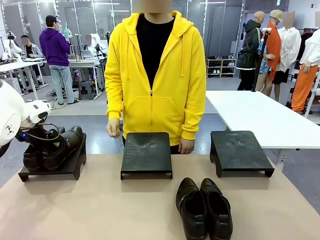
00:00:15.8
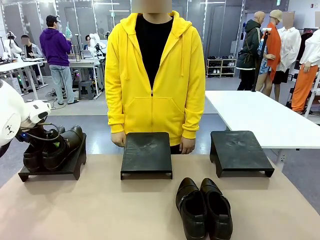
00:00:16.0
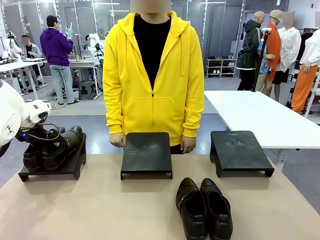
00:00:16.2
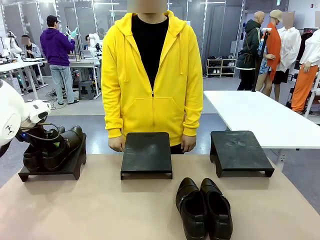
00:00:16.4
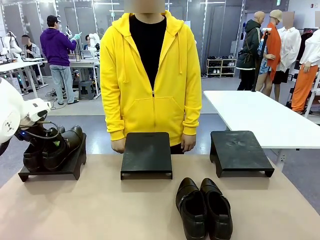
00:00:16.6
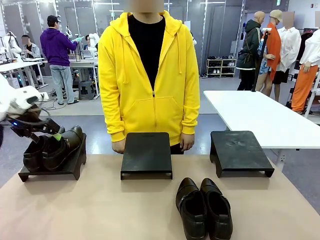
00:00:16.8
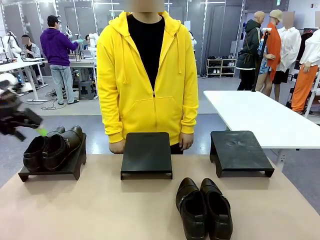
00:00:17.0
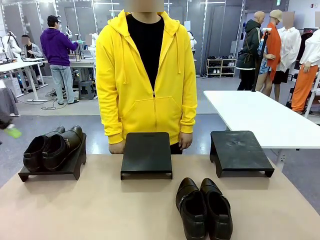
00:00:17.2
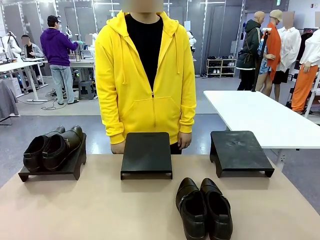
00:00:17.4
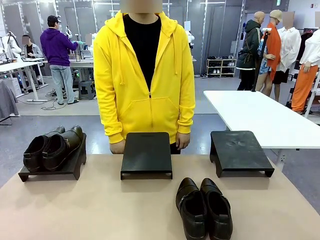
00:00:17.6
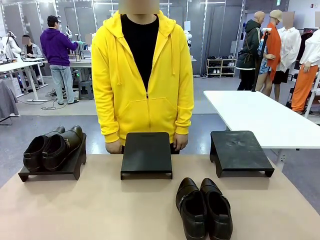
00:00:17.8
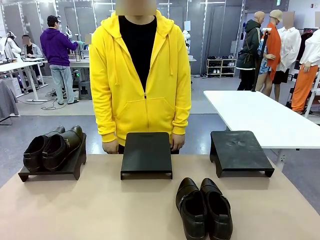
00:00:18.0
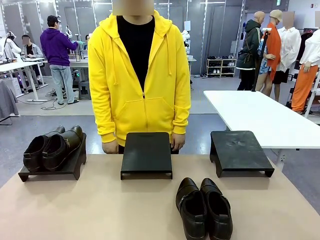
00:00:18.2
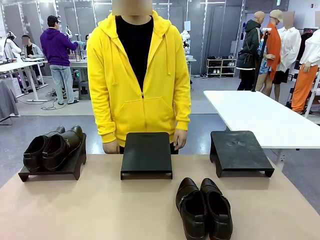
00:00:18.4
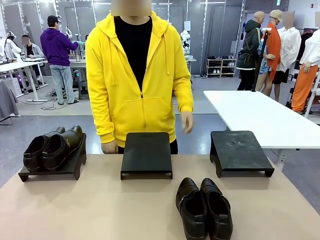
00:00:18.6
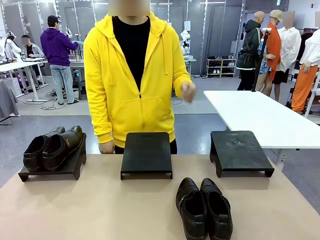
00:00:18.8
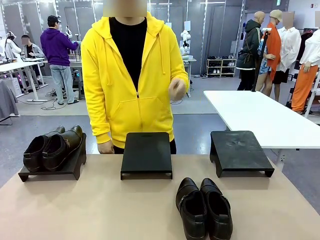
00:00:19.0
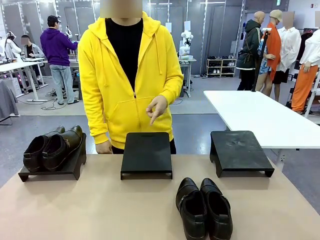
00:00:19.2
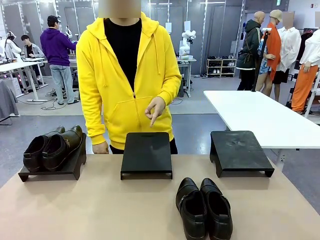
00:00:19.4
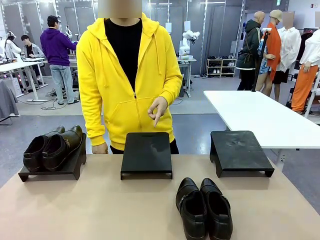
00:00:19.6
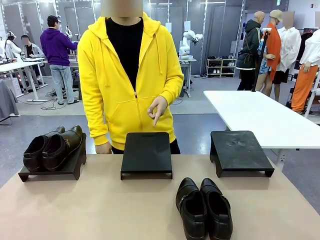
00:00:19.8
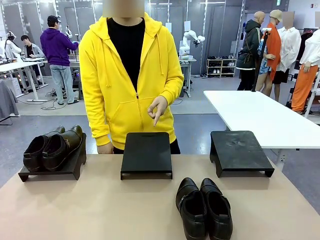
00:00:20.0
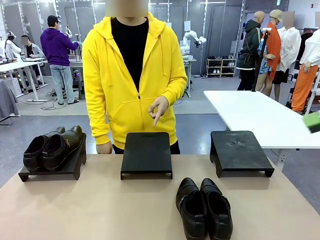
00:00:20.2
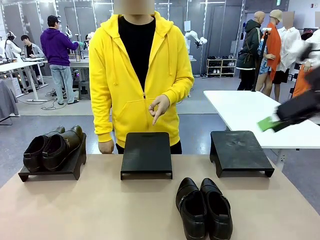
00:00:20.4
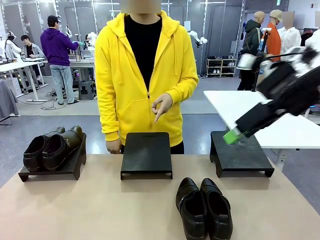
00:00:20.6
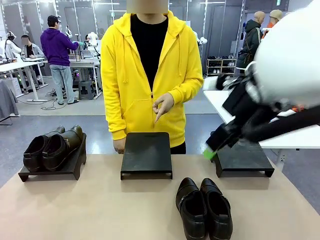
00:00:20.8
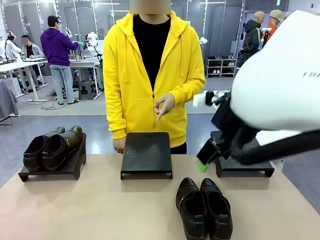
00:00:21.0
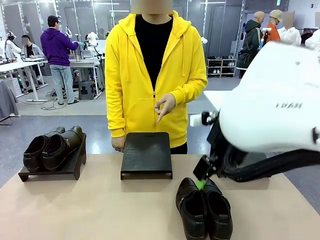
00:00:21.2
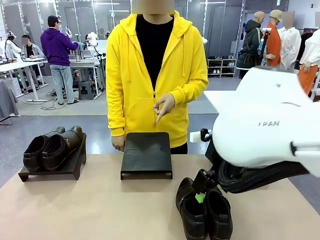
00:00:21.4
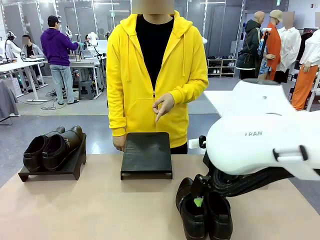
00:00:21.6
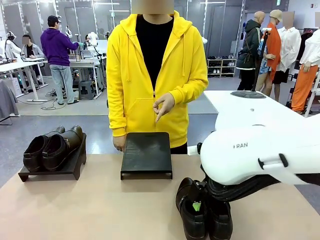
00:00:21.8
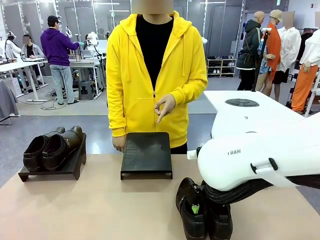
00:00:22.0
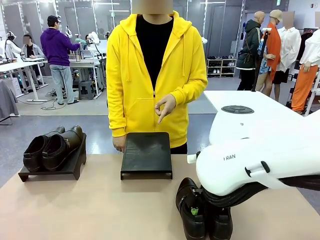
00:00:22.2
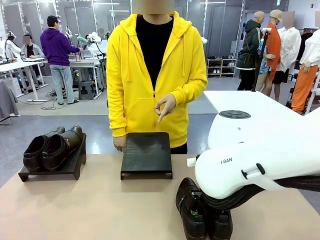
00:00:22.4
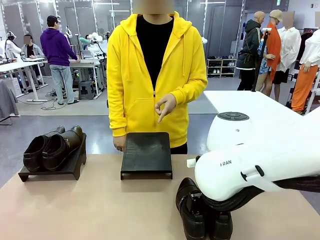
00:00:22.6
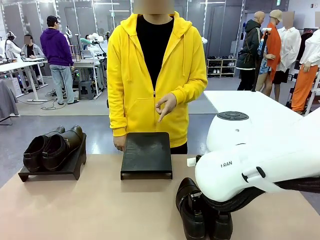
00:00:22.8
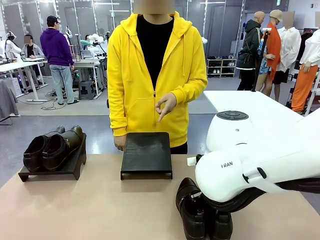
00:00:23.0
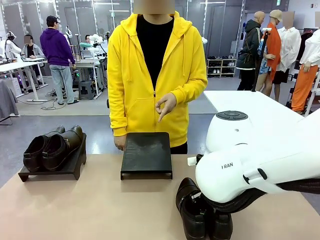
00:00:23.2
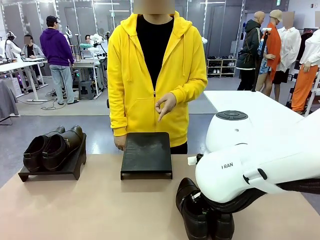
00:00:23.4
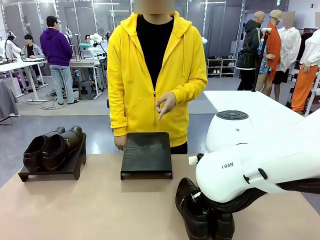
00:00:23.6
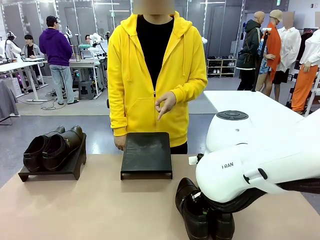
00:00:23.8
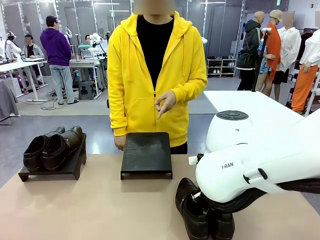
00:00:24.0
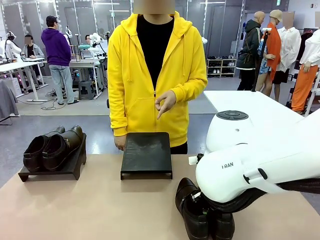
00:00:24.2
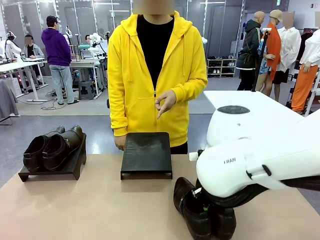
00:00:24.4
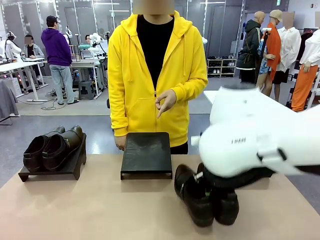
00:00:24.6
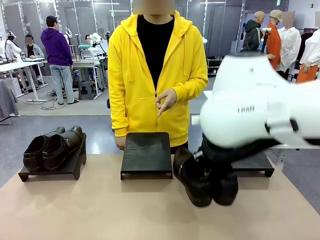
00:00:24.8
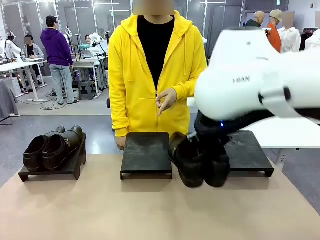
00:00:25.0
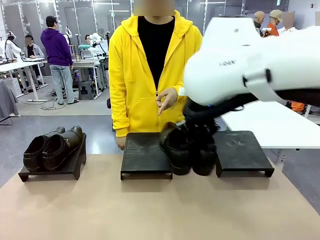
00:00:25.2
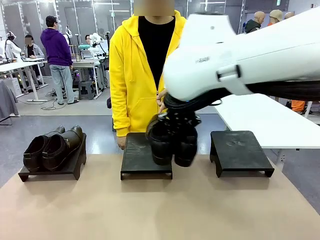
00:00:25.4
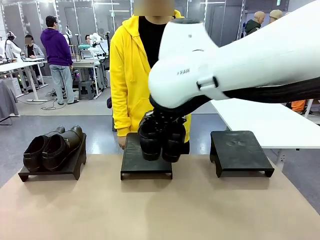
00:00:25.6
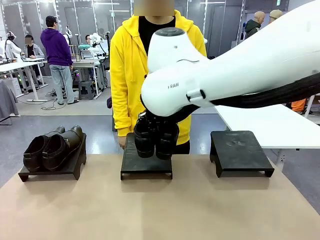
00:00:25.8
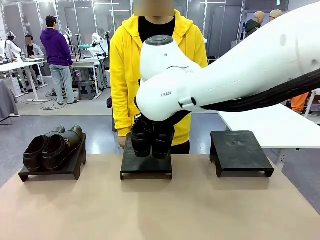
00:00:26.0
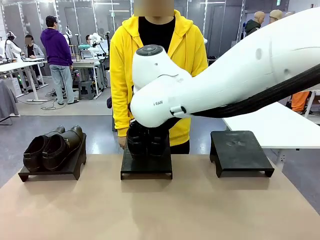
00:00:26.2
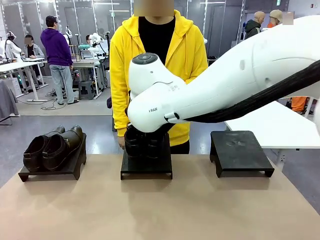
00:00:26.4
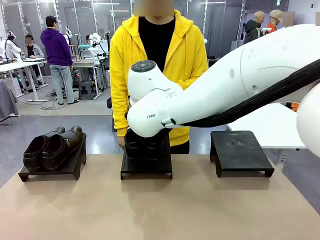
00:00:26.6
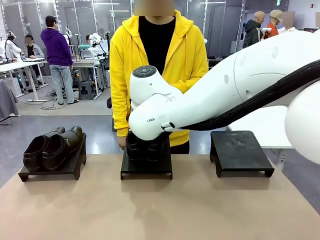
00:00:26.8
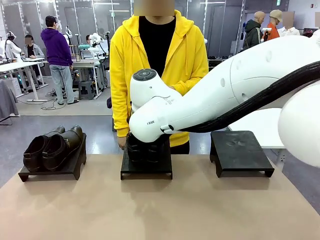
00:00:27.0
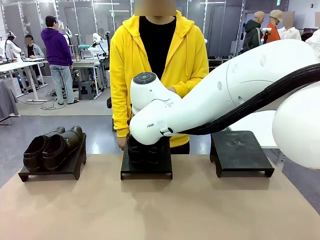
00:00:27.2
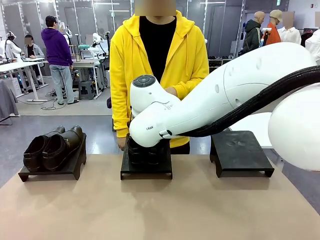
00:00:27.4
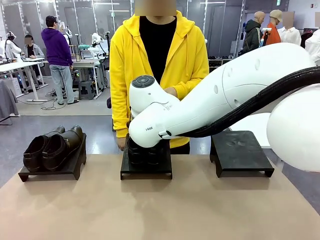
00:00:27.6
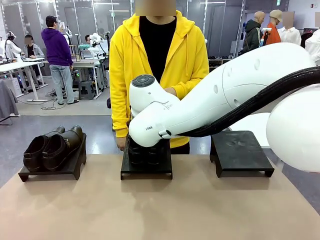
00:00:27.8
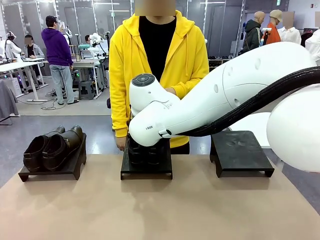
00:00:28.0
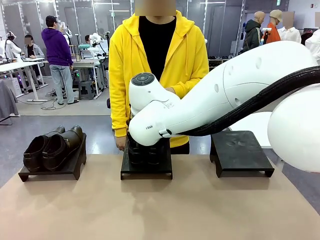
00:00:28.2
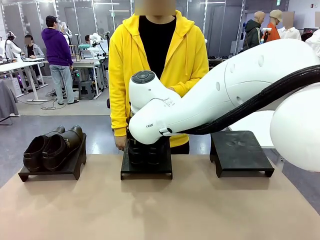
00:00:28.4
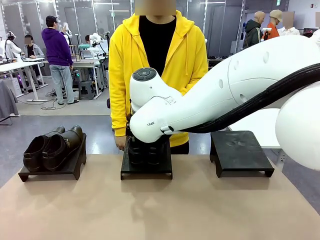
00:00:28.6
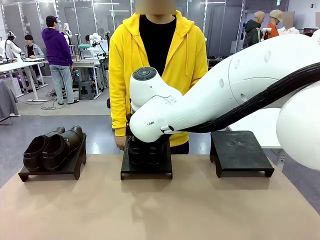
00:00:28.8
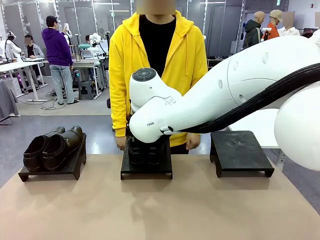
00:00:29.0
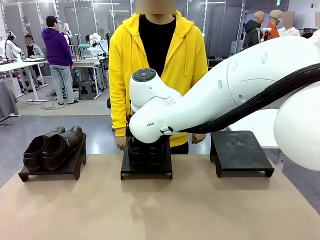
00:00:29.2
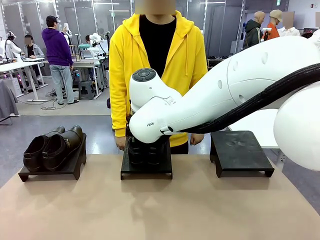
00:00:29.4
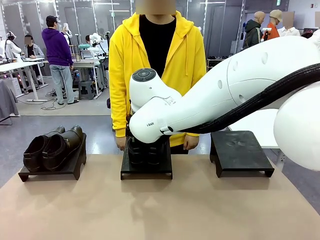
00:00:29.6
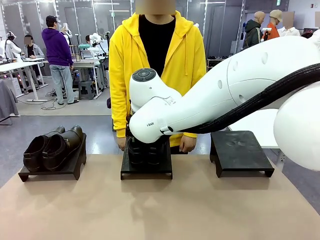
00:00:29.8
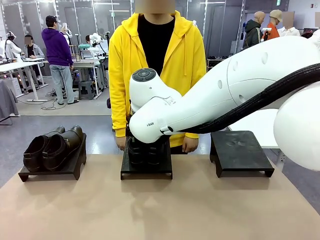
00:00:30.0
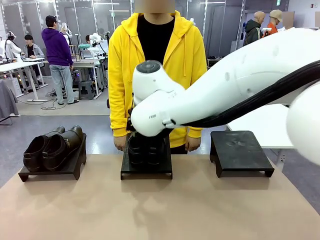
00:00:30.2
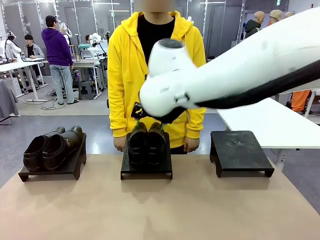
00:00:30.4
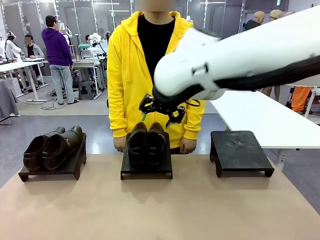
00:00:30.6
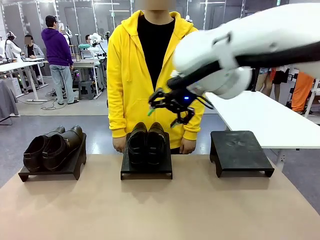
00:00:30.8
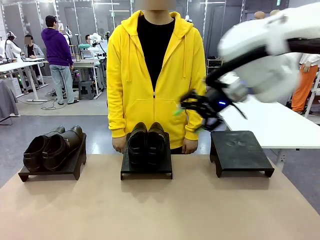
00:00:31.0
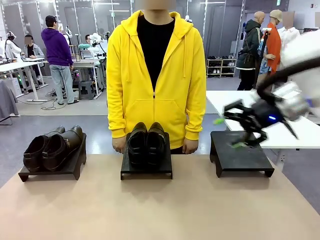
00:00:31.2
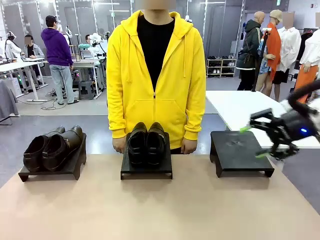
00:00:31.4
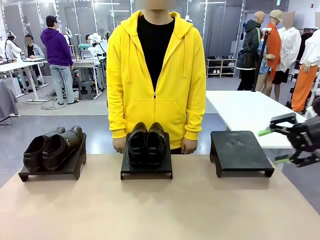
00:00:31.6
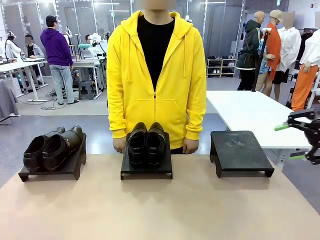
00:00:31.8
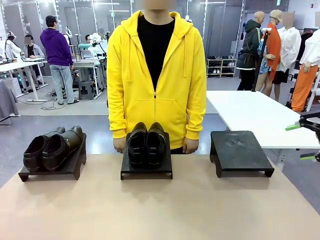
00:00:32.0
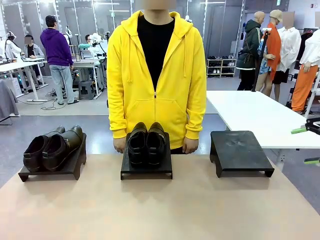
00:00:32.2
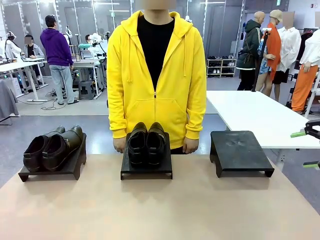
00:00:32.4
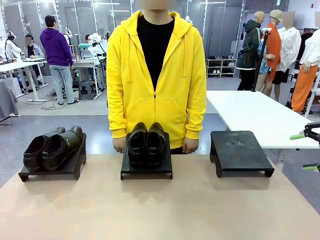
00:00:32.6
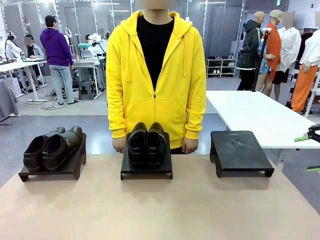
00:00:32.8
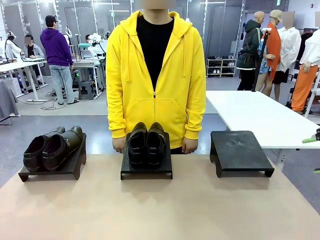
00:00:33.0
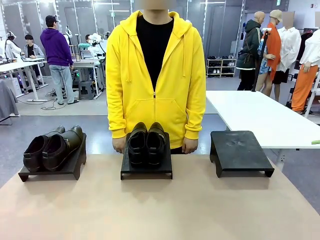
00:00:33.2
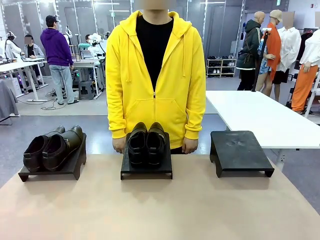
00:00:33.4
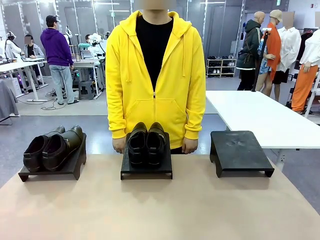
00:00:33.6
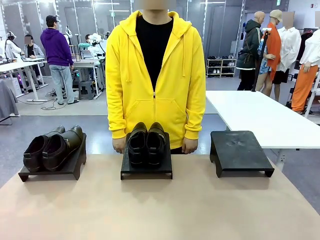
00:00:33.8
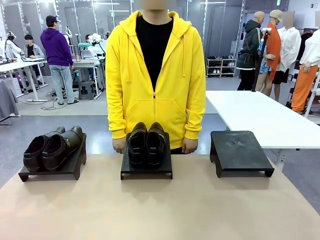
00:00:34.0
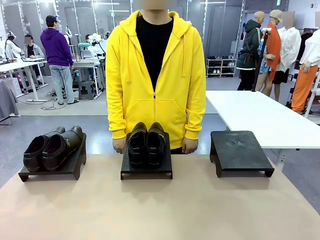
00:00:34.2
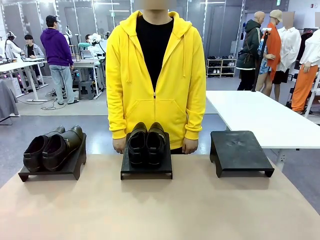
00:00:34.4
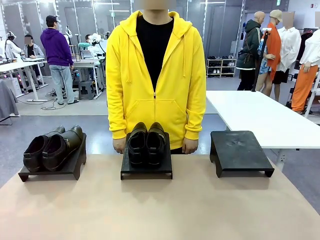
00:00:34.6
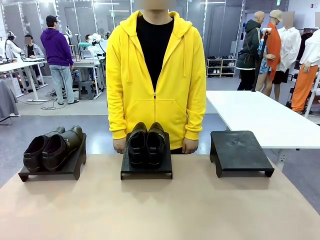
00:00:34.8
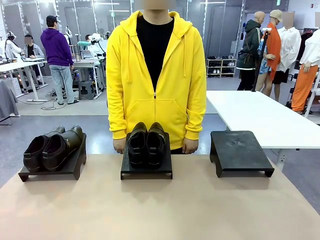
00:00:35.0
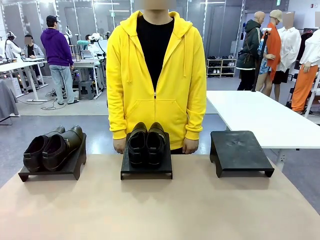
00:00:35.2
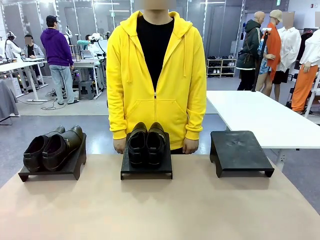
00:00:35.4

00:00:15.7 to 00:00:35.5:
Task: Place the shoes on the stand as instructed by the person.
Robot: Pick up another pair of Shoes and place it on the Shoes Stand indicated by the person.
Person: Point to one Shoes Stand.
